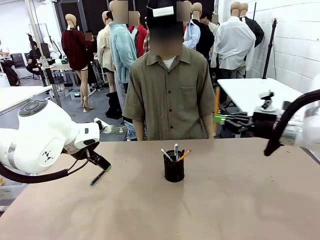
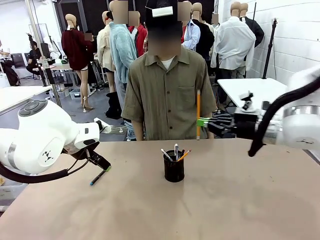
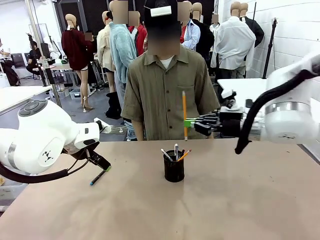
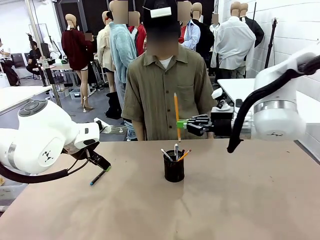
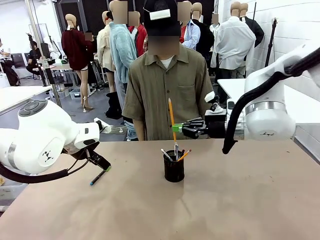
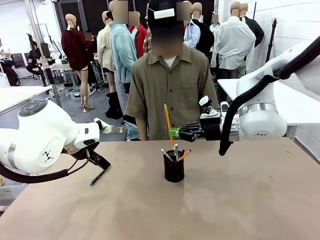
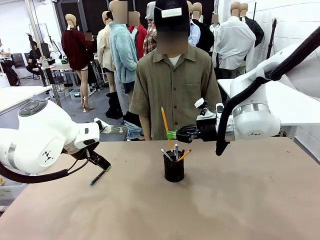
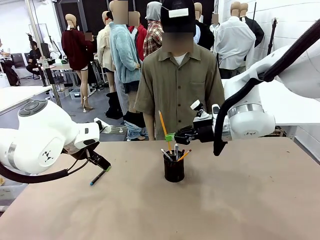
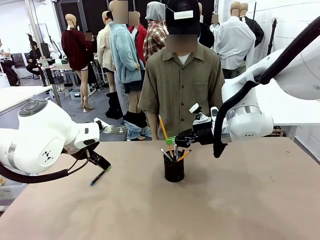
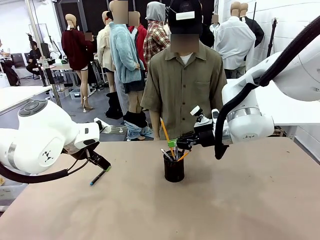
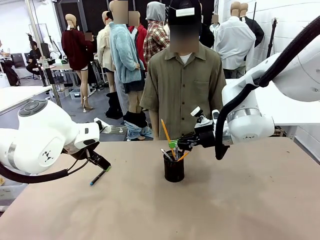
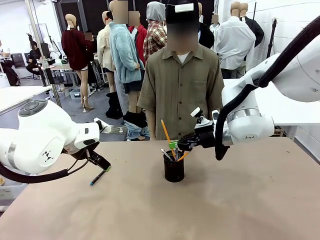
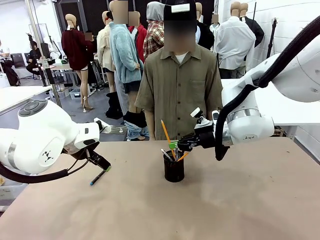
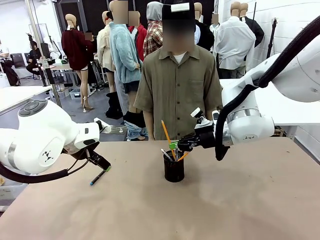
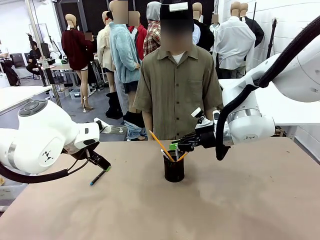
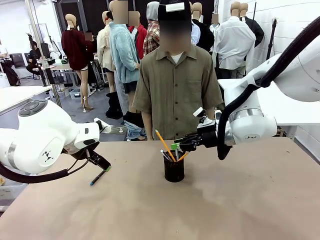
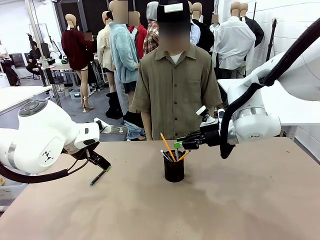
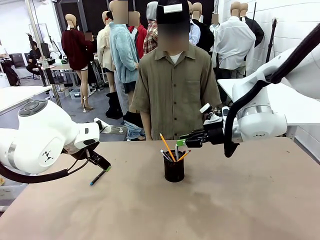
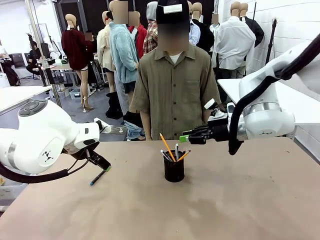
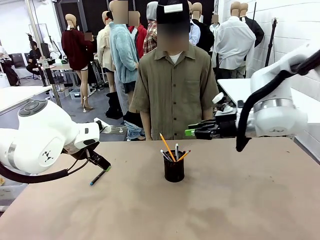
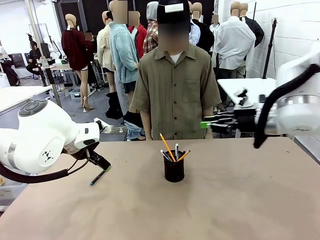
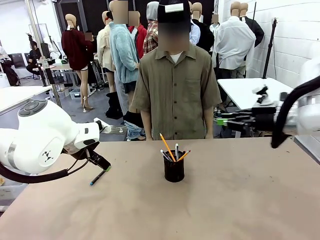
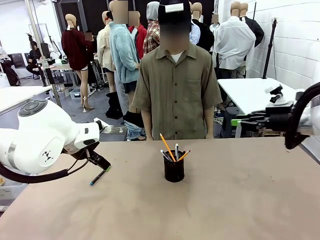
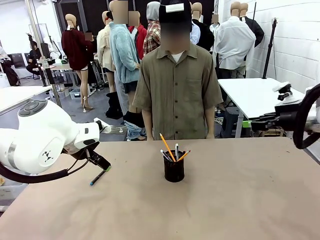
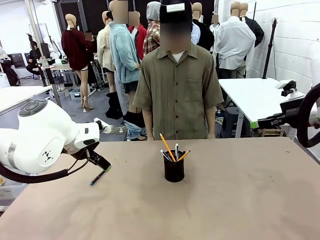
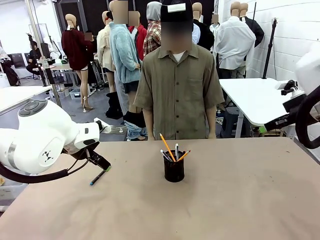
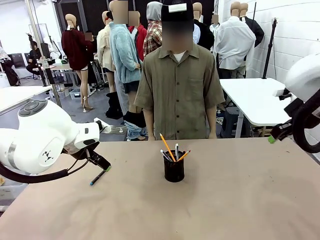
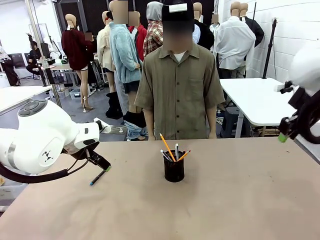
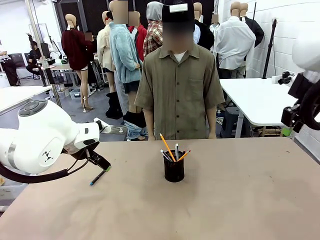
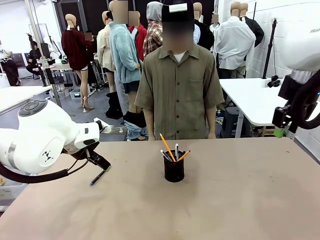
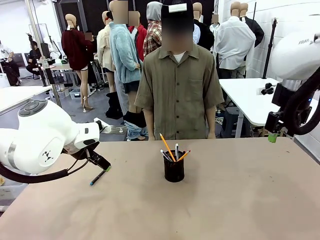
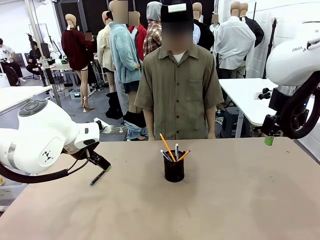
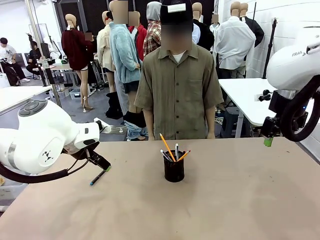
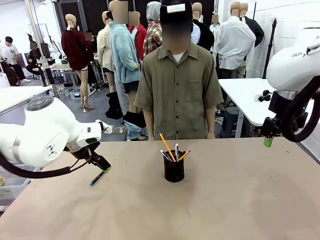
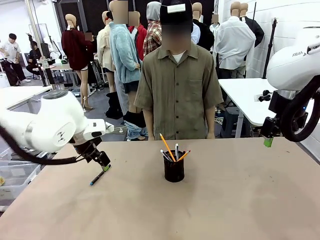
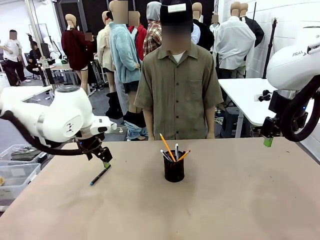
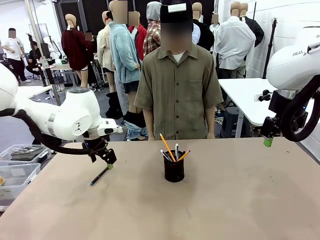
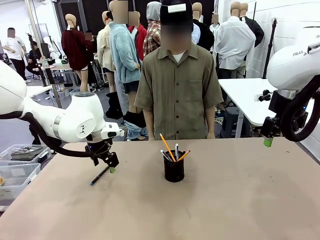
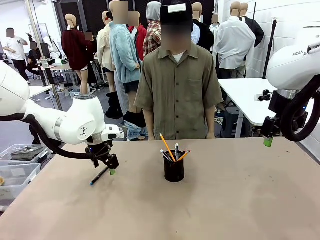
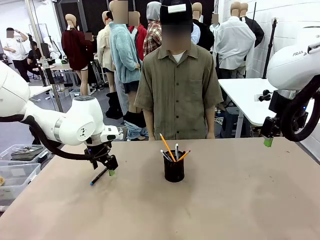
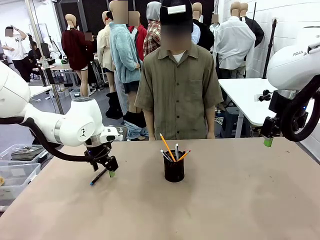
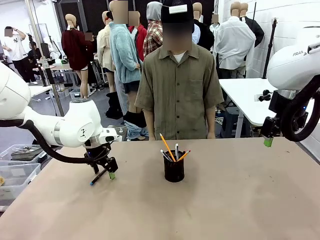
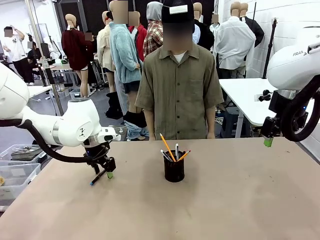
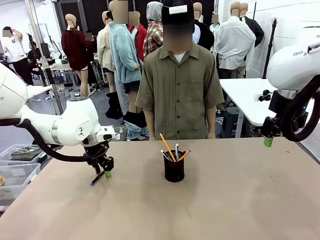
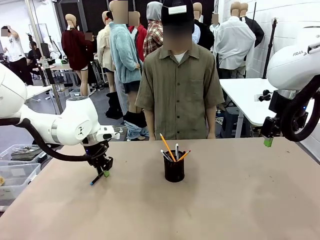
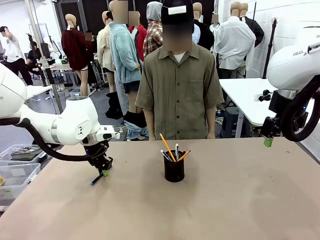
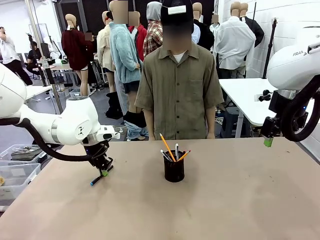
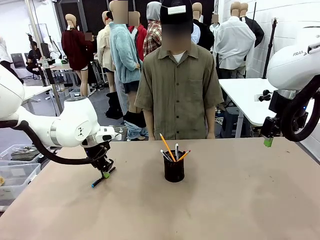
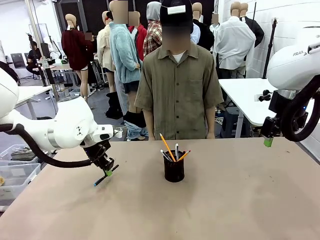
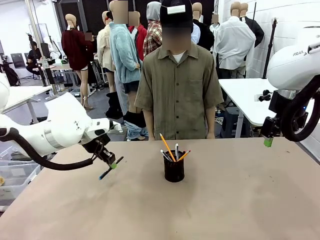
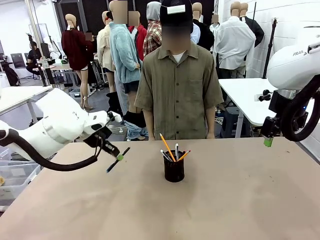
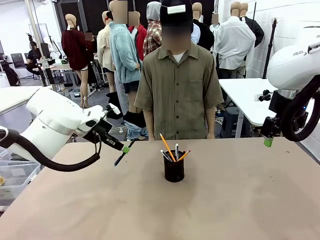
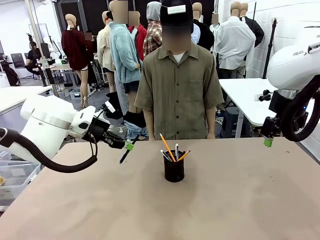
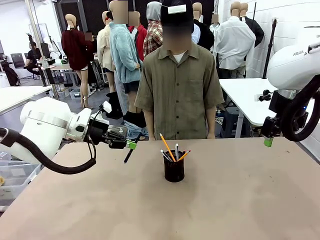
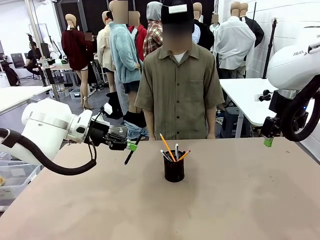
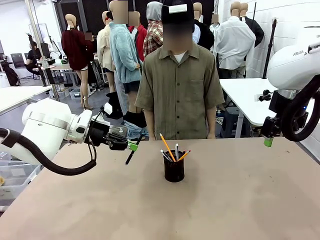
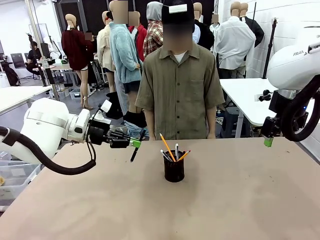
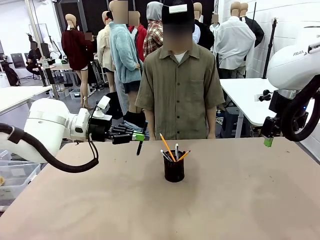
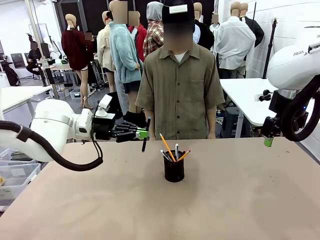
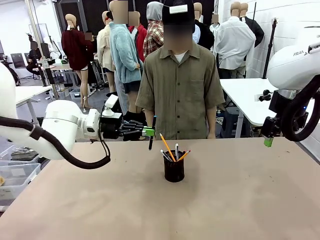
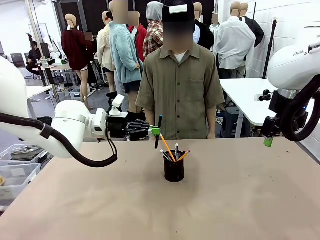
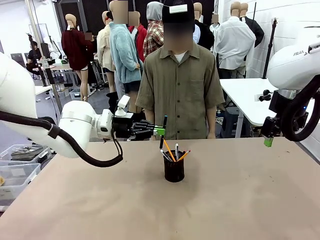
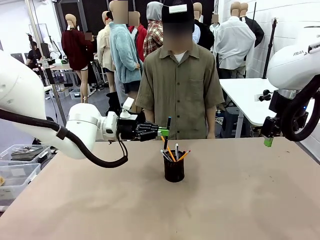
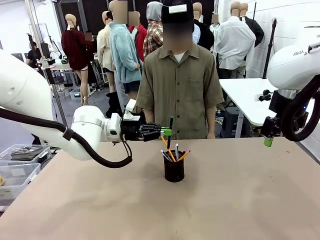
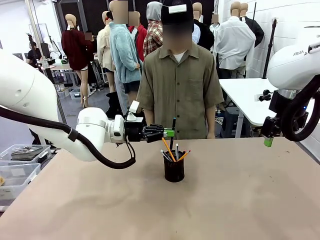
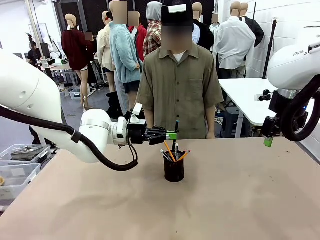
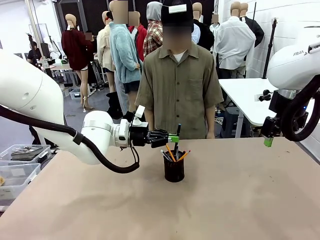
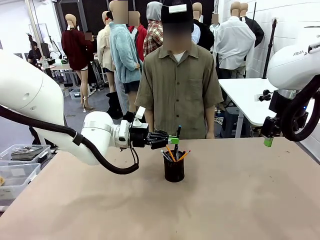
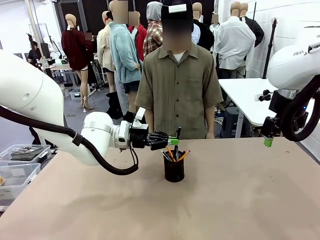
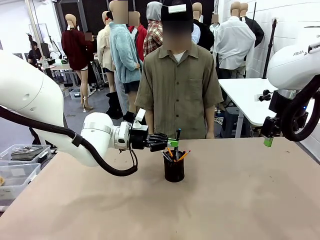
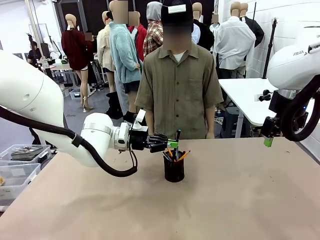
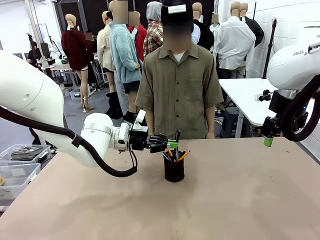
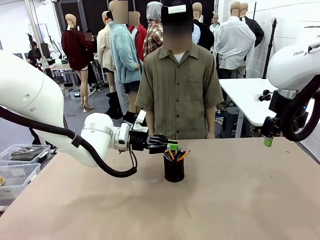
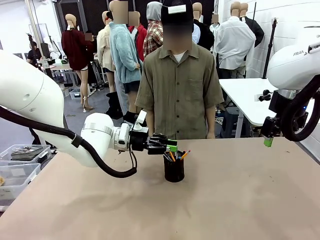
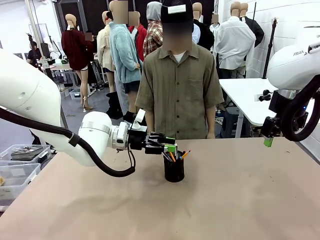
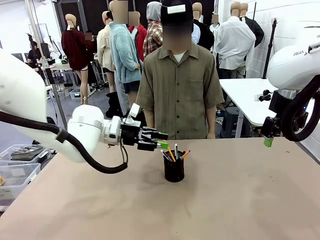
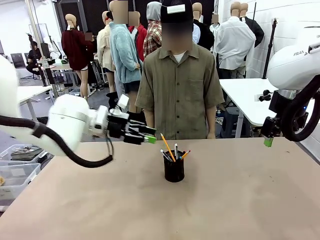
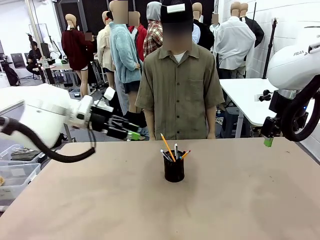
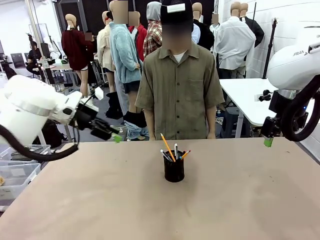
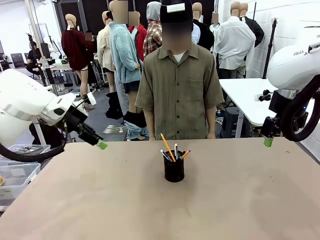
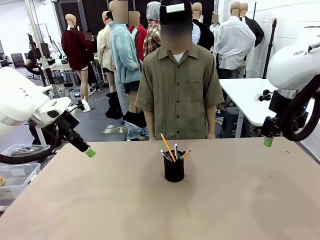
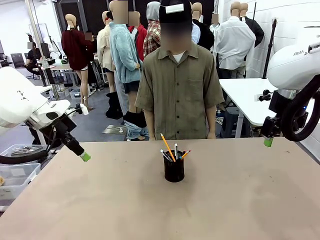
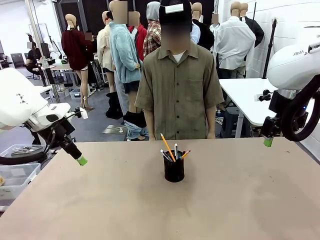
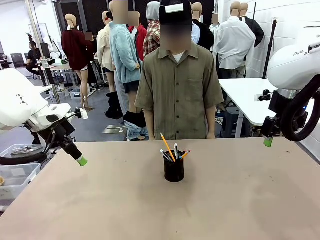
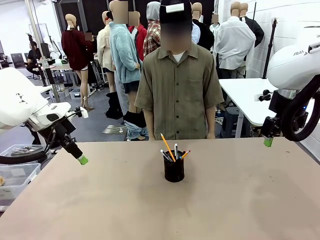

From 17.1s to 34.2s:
Task: Place the pens into the pen holder.
Robot: Pick up a writing instrument from the table and place it into the Pen holder.
Person: Place all writing instrument into the Pen holder.
